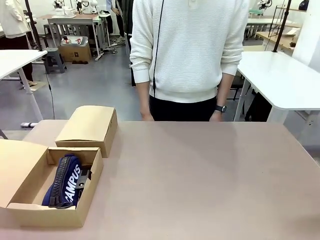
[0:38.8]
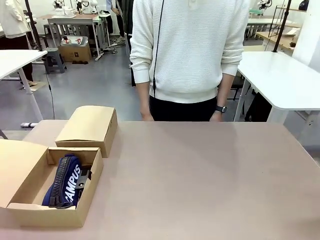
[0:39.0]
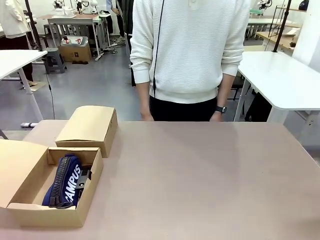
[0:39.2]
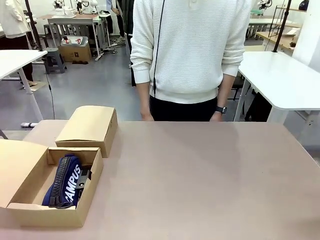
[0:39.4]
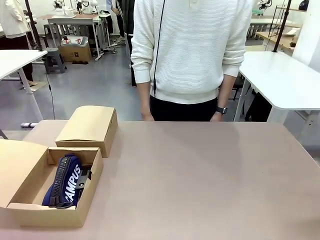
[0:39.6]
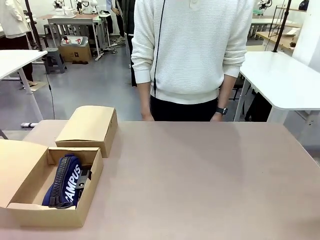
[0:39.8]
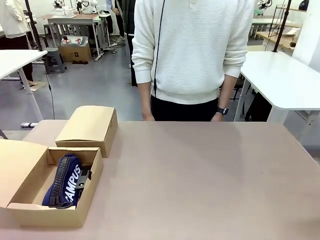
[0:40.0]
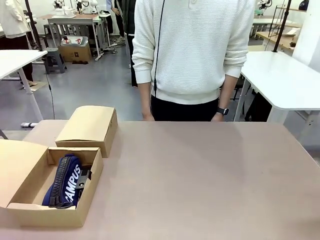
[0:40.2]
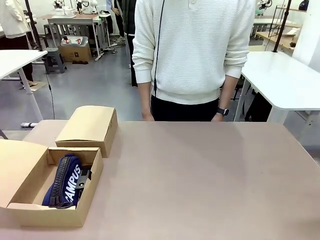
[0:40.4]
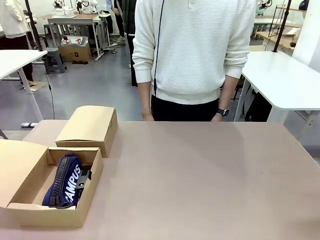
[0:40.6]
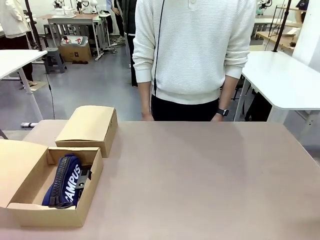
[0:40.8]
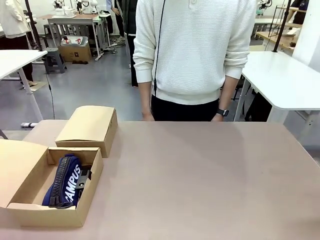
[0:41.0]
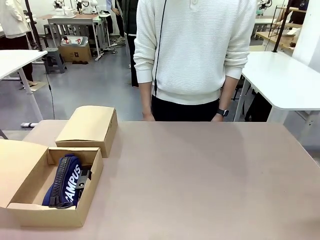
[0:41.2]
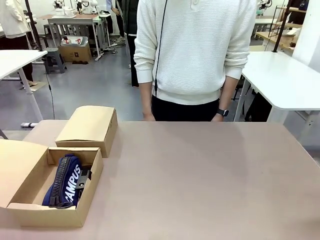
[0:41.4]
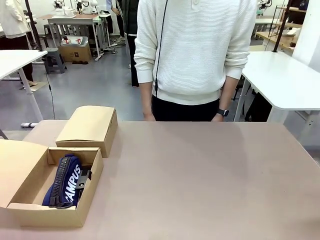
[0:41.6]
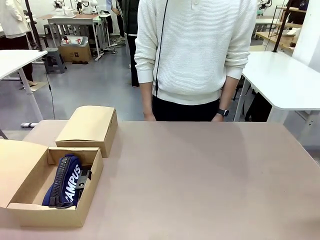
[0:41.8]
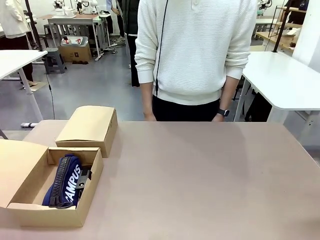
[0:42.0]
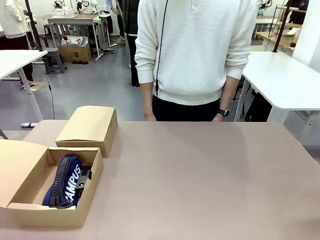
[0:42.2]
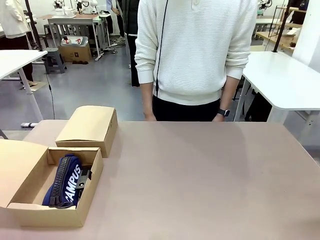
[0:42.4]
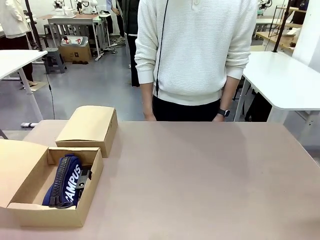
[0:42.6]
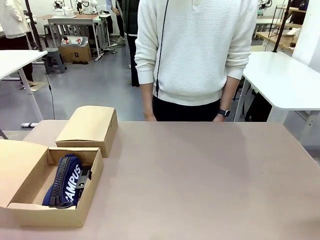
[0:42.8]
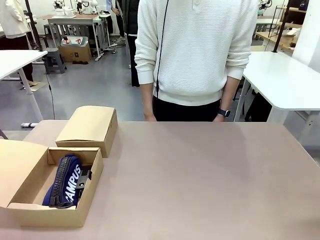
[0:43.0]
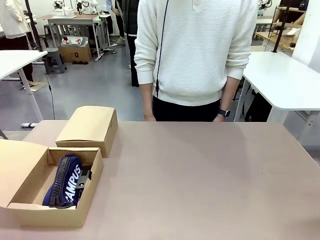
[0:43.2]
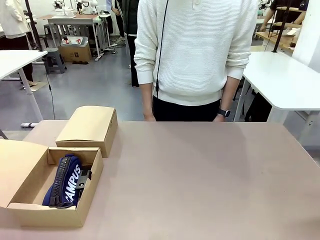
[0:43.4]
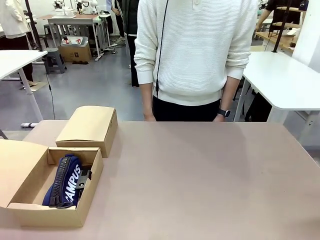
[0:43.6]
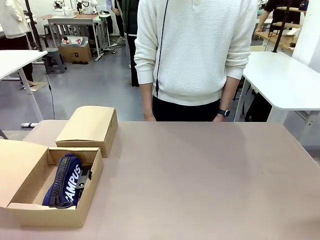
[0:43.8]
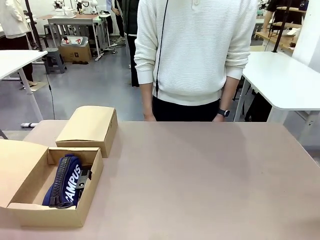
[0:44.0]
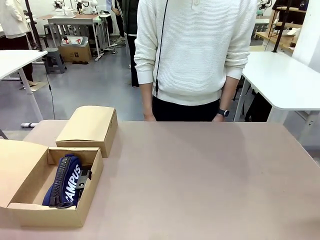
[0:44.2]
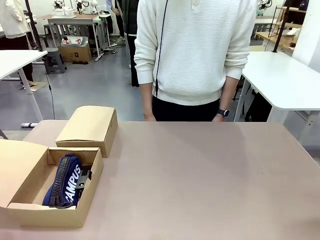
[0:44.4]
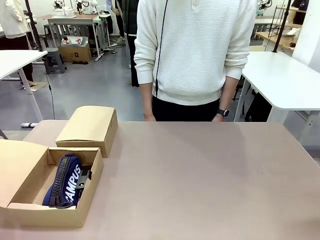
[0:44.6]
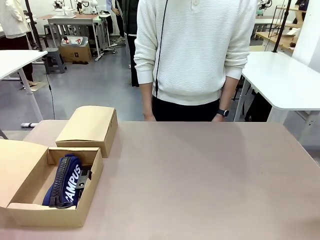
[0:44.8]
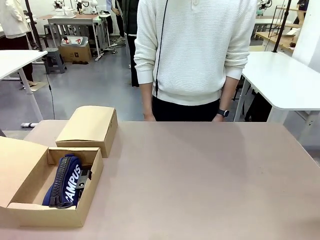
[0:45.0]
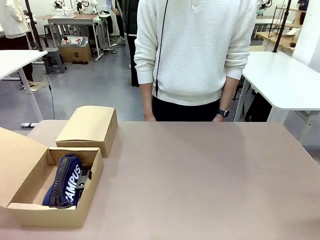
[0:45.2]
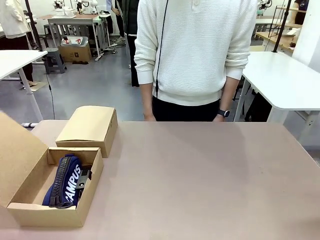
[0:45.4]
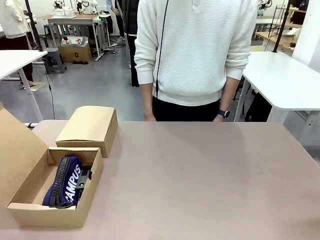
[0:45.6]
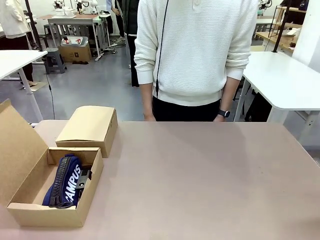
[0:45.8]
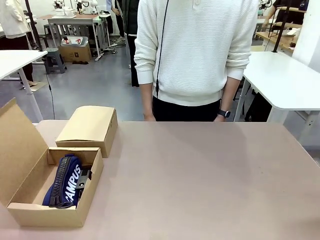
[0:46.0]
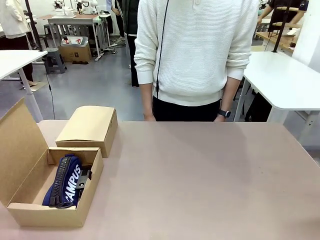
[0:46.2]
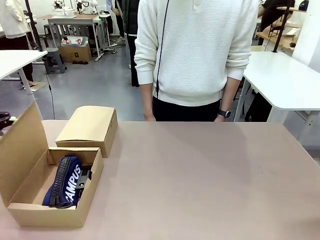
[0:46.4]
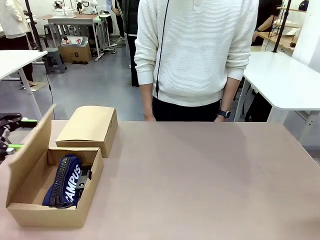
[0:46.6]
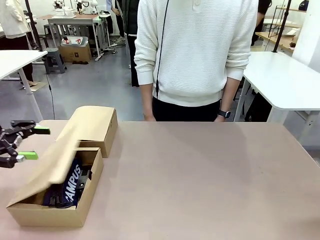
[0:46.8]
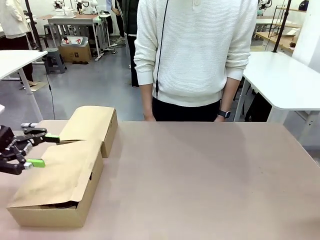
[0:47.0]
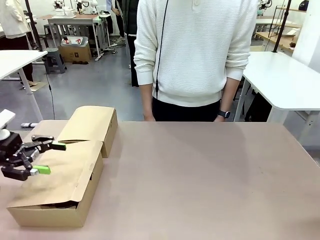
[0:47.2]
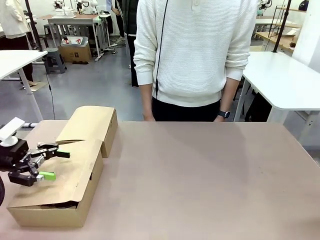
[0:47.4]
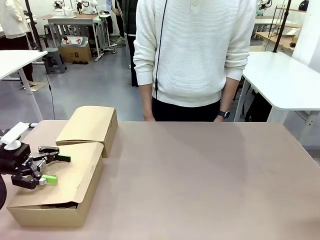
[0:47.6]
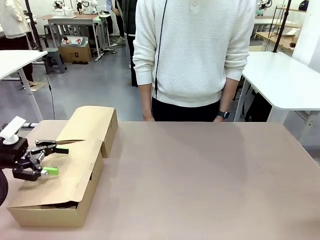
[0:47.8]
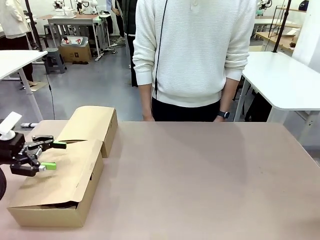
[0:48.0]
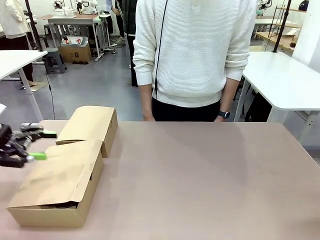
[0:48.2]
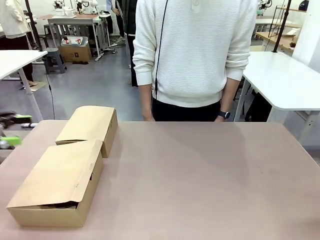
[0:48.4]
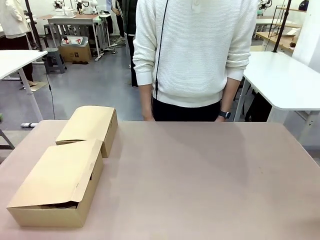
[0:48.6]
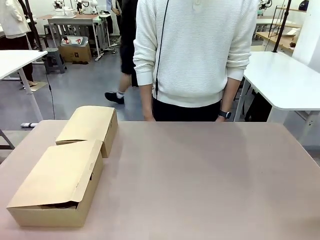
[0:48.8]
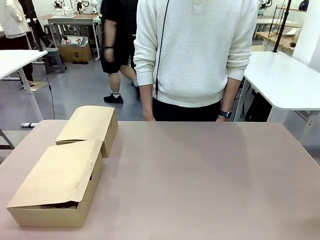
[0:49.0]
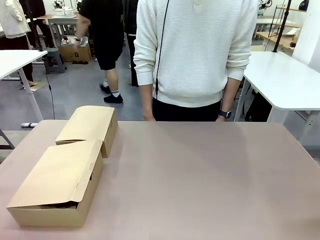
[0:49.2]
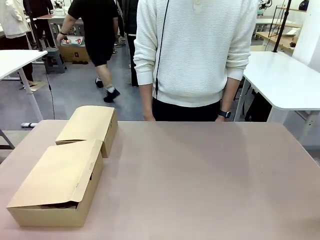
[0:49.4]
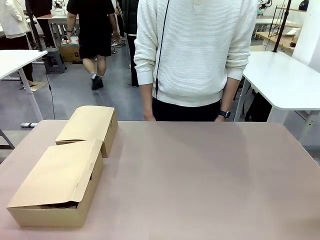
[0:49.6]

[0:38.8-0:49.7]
Task: Place items inside the box.
Robot: Close the lid of the Mailer Box closest to the robot.
